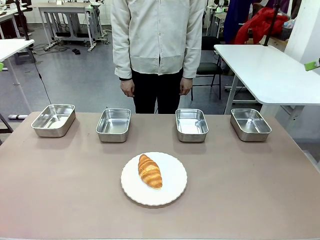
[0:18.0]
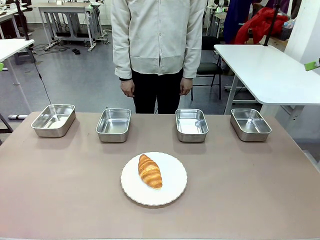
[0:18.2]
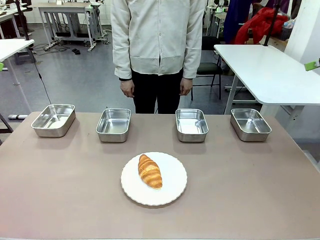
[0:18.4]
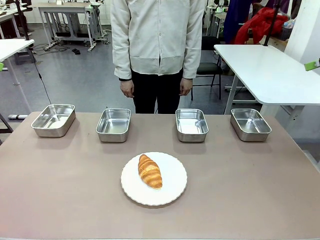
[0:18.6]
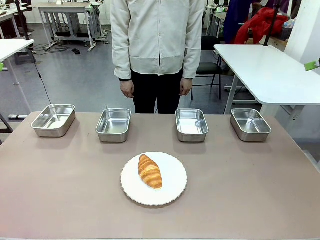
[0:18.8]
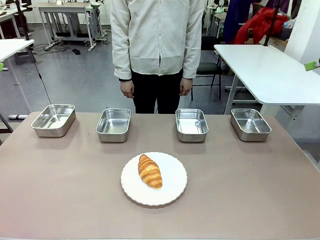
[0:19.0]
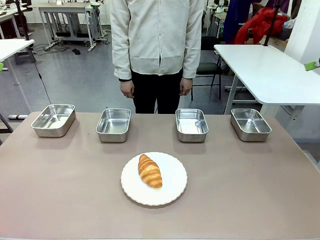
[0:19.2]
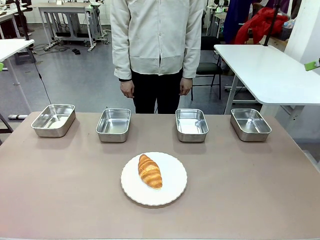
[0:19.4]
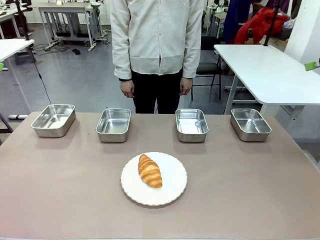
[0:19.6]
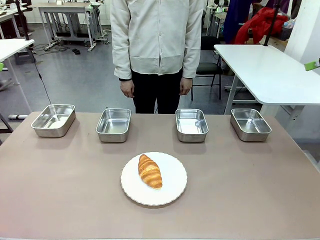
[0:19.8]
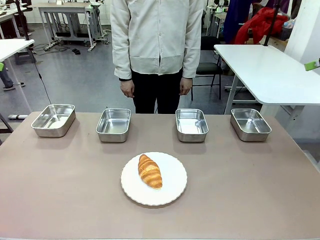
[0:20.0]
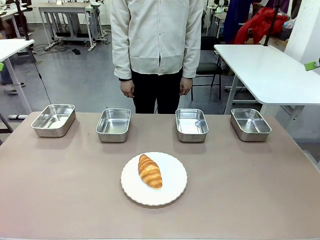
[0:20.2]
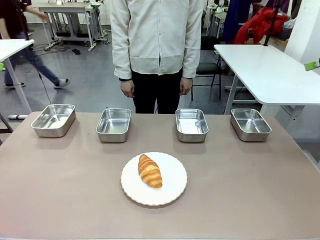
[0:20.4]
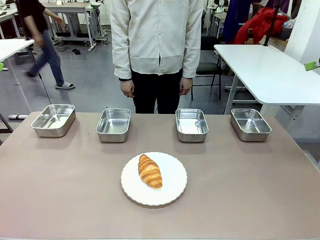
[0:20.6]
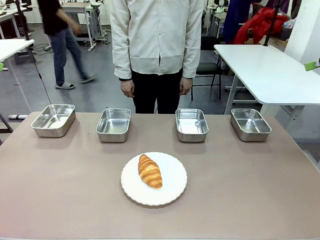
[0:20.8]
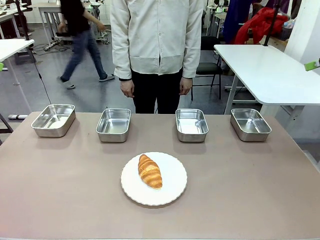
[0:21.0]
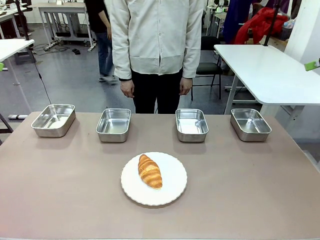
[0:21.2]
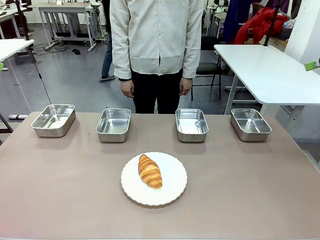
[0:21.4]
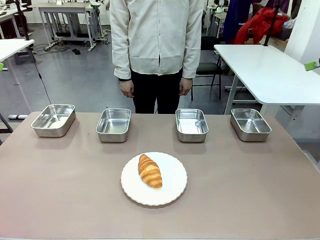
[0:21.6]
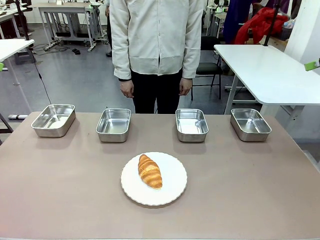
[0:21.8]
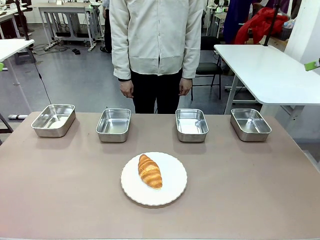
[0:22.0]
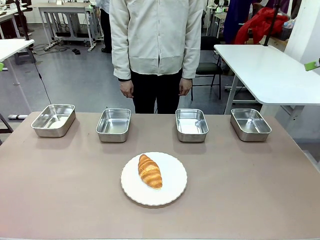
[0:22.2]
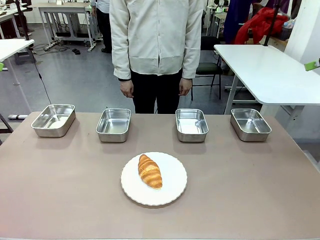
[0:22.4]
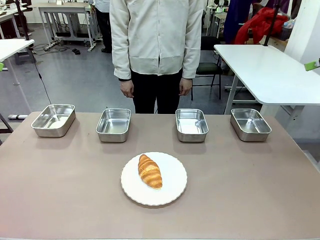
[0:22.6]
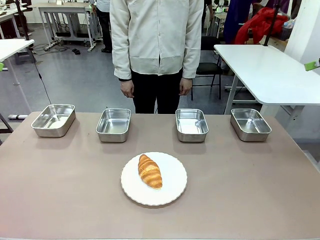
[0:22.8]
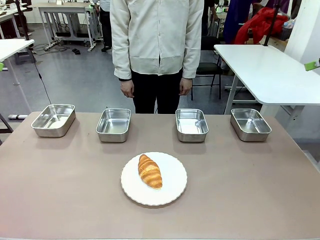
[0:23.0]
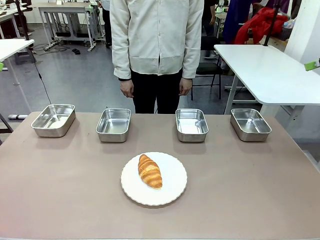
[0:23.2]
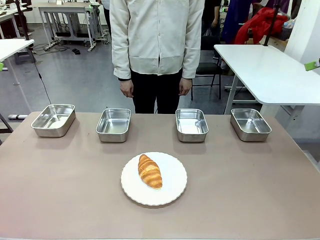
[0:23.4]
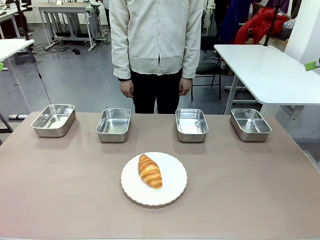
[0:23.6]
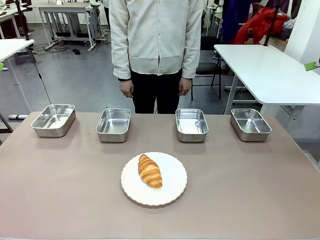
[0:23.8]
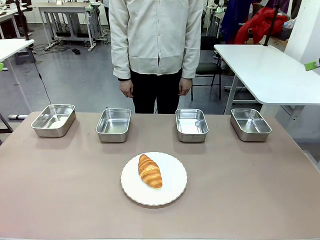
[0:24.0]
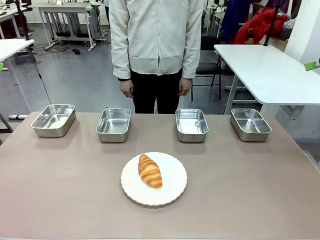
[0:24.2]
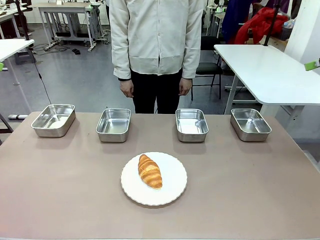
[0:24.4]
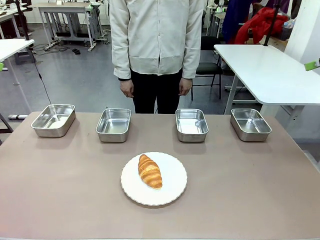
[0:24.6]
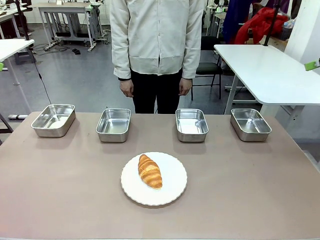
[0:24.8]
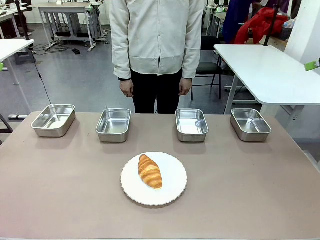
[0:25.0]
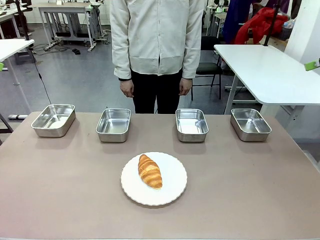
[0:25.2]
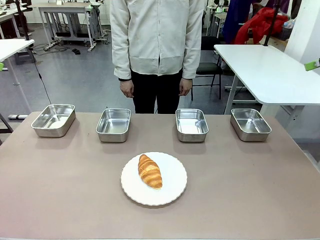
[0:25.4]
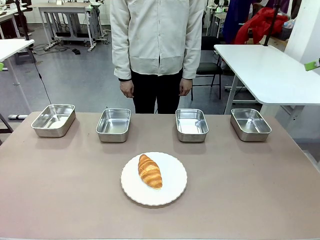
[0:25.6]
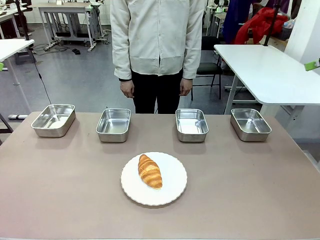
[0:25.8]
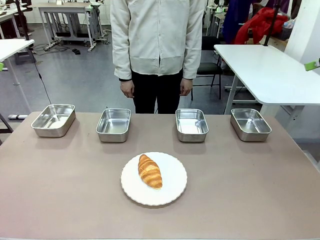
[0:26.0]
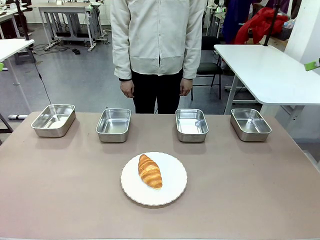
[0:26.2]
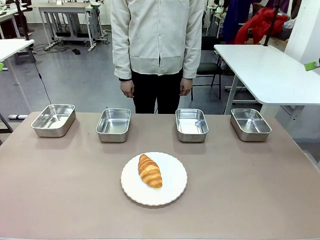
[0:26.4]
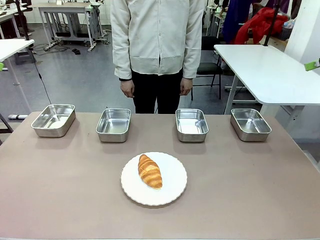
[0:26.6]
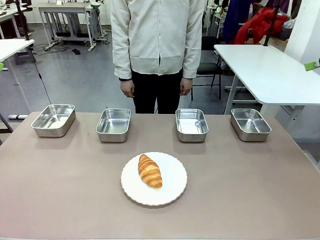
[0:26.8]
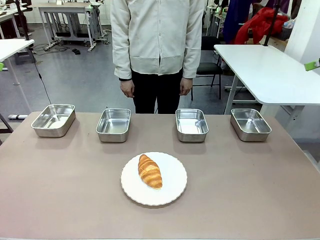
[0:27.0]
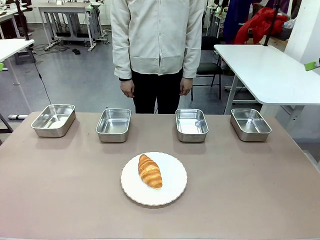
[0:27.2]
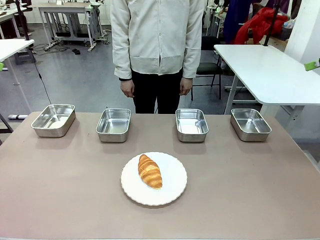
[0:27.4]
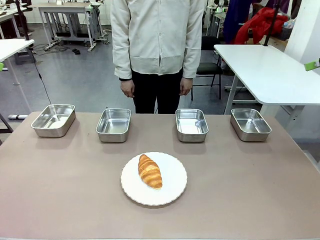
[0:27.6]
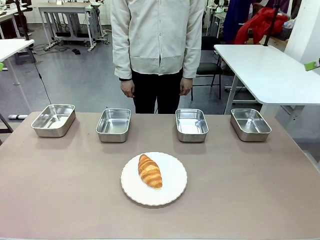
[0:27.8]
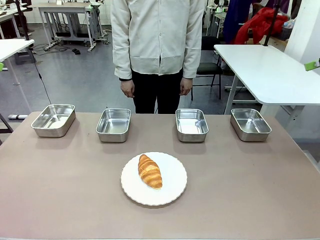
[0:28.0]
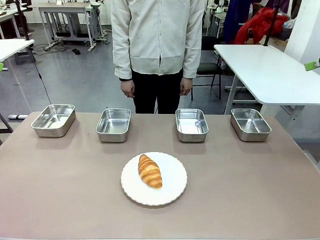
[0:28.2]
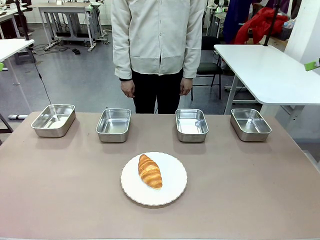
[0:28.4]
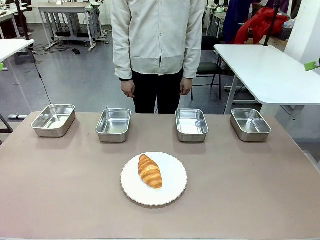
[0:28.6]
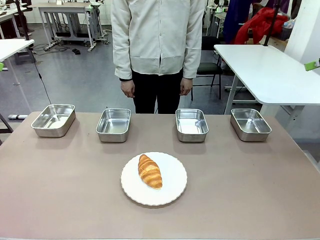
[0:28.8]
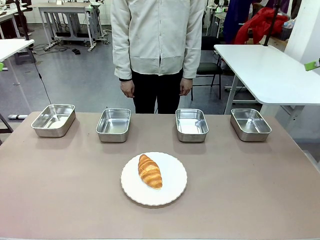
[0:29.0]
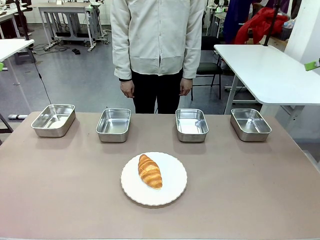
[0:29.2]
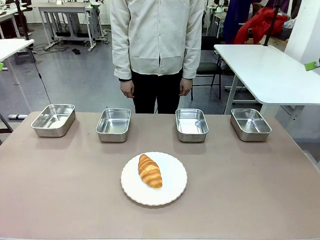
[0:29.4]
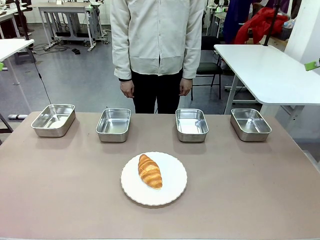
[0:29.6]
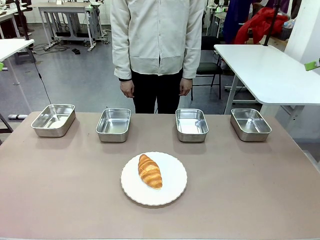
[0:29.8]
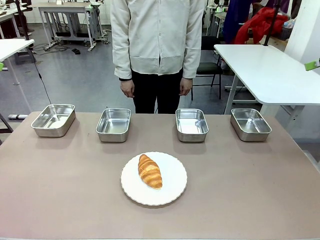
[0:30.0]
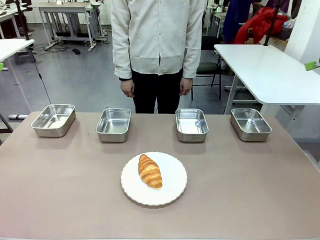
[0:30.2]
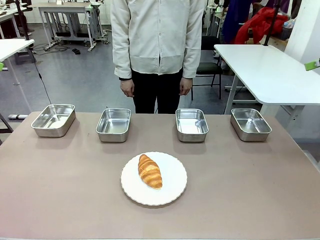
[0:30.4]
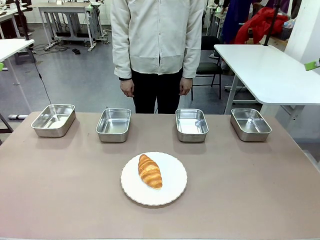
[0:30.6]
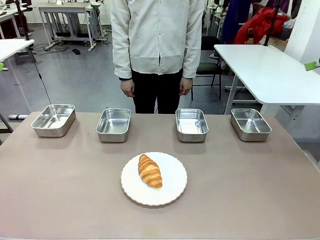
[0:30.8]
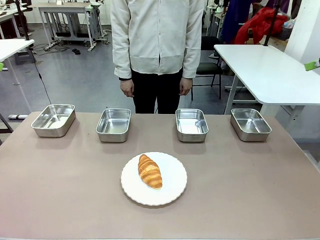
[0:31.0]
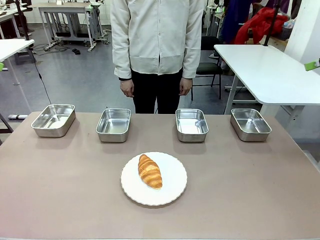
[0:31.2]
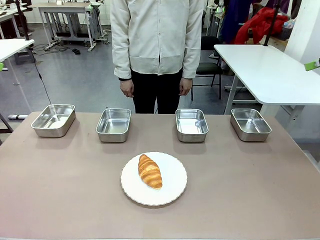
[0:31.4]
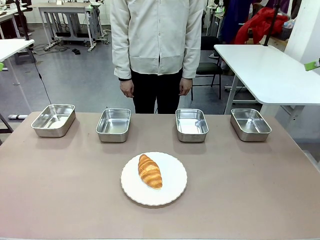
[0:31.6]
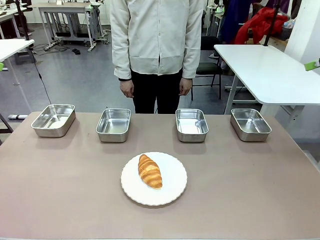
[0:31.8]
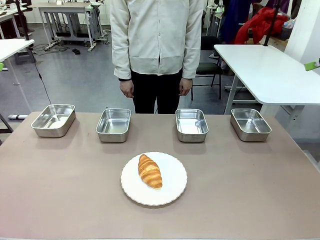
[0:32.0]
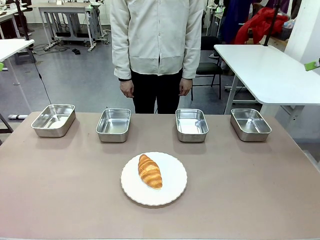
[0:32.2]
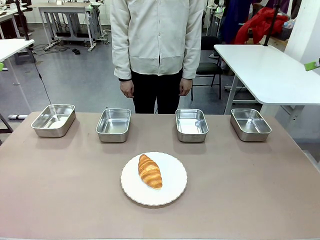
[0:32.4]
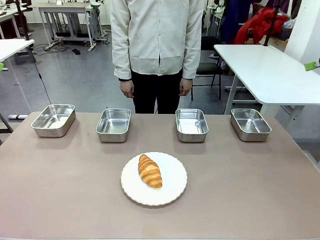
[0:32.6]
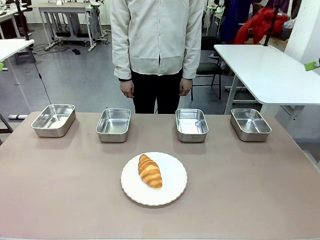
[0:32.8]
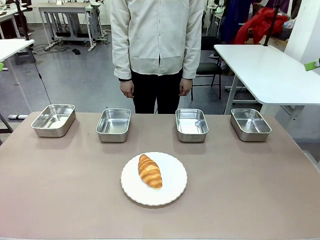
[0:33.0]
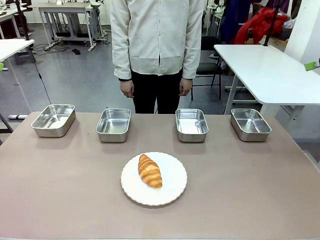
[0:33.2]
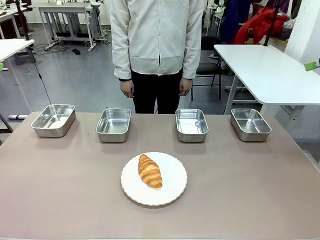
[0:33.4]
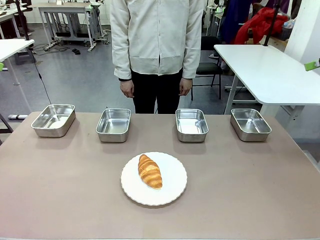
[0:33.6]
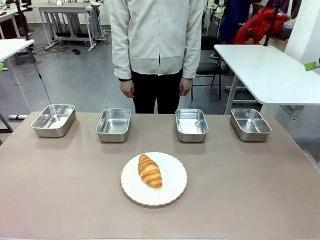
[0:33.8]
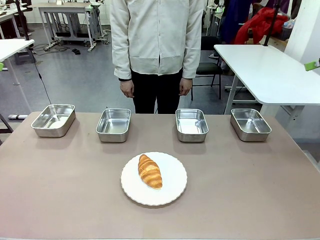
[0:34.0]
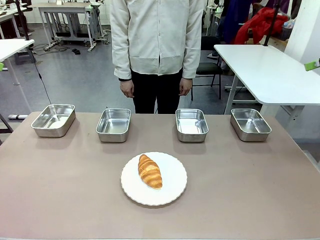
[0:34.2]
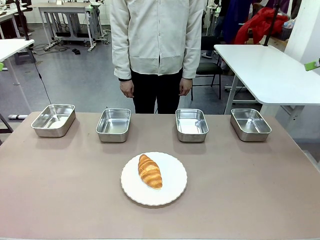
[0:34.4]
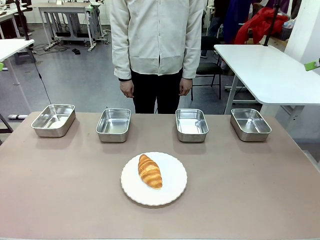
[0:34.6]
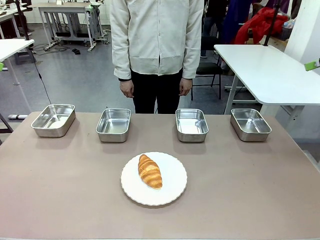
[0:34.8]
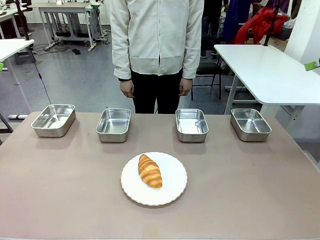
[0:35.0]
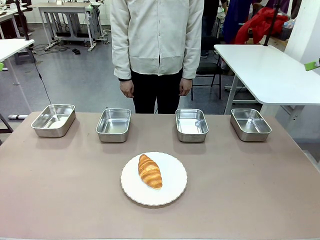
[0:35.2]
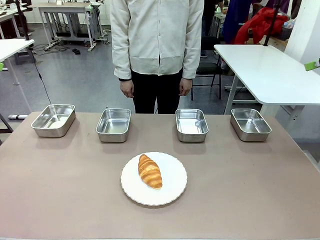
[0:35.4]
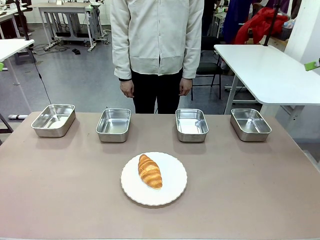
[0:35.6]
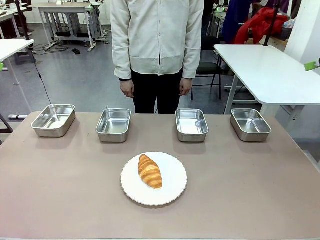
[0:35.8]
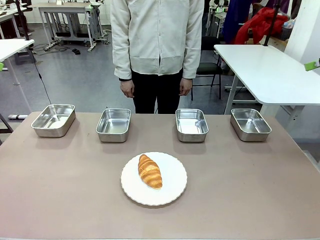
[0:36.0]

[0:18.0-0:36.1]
Task: Place the bread in the container.
Robot: Place the Butter Roll into the Airtight Container indicated by the human.
